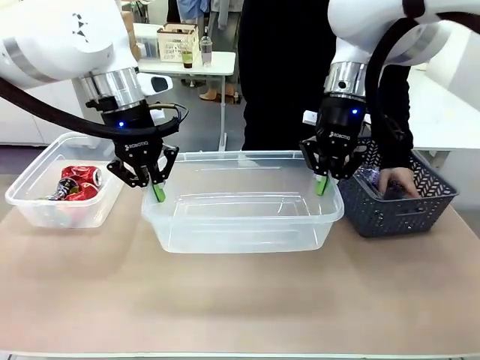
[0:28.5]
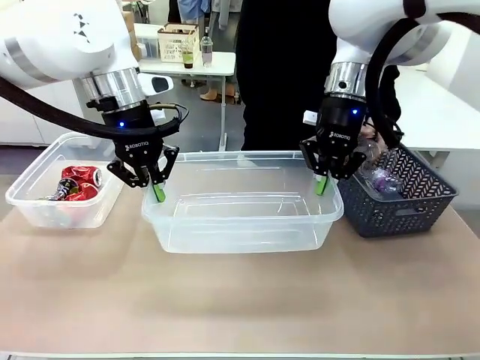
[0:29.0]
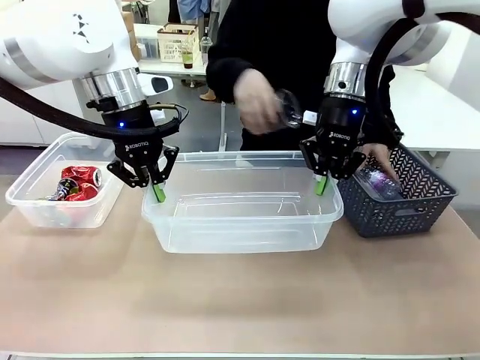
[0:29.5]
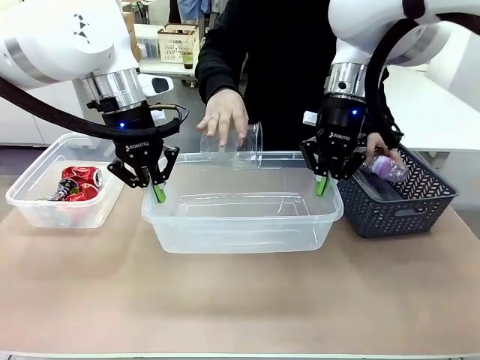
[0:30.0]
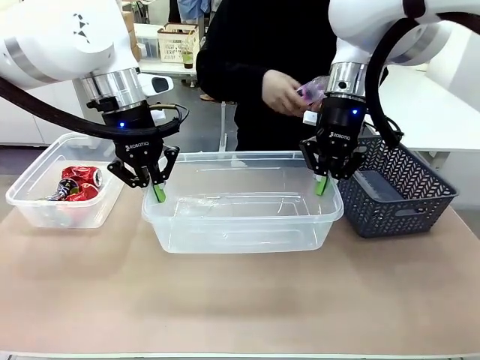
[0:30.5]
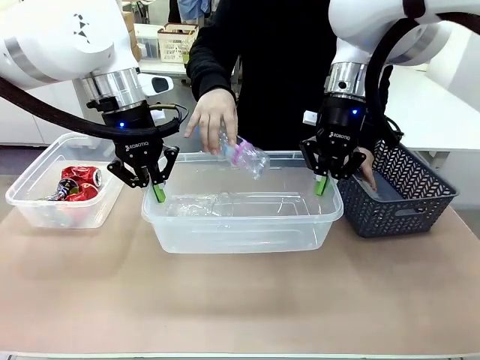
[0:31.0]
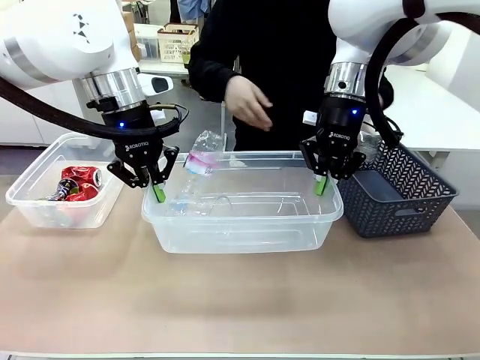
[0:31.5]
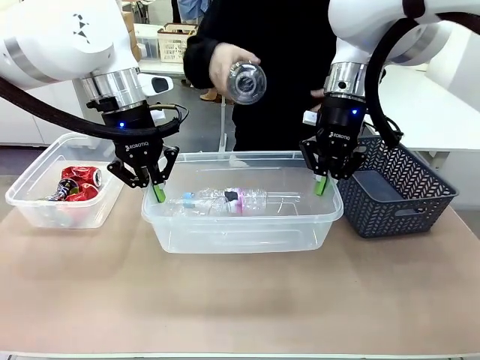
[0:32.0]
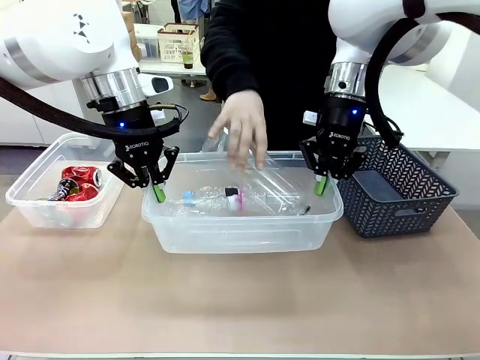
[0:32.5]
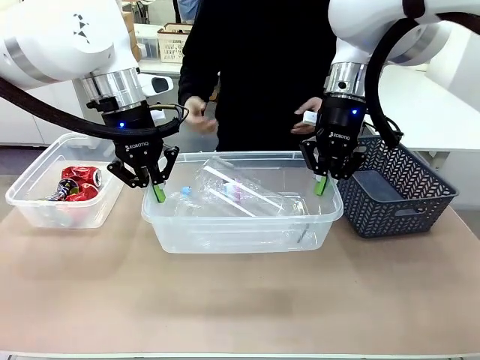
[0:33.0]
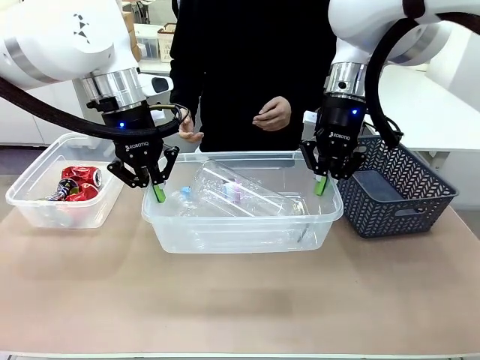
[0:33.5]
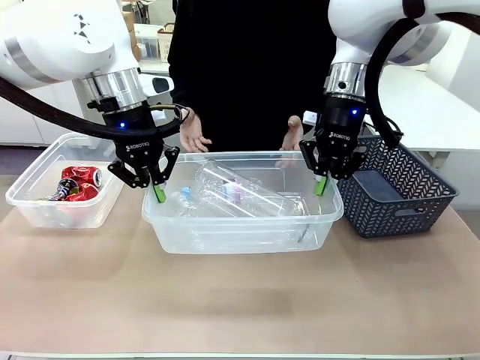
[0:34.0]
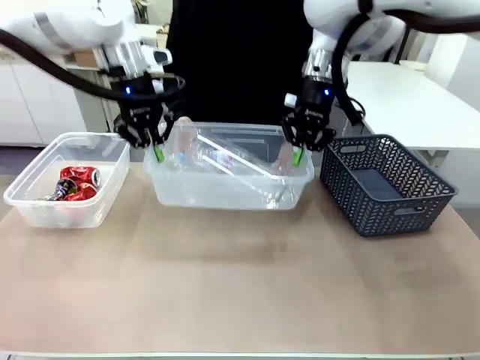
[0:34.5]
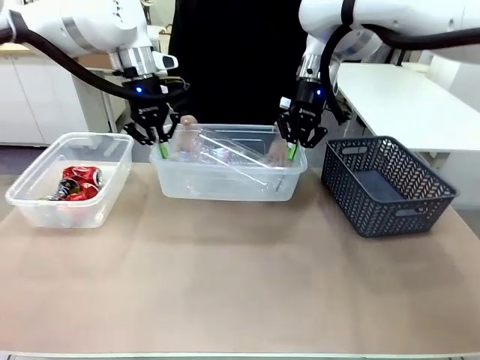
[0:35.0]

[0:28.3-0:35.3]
Robot: Offer the picked Organizing box to the human.
Person: Pick up plastic waste one by one and place it into the organizing box lifted by the robot.

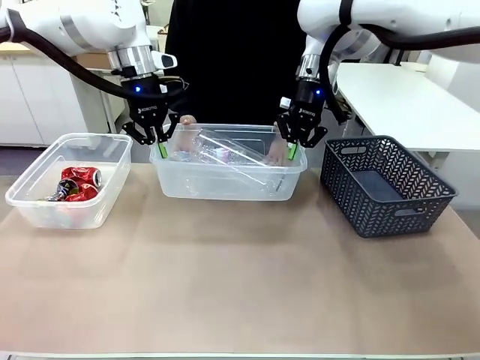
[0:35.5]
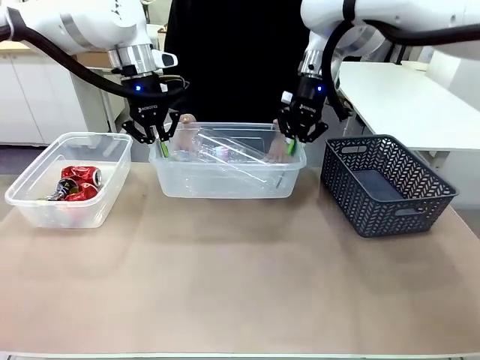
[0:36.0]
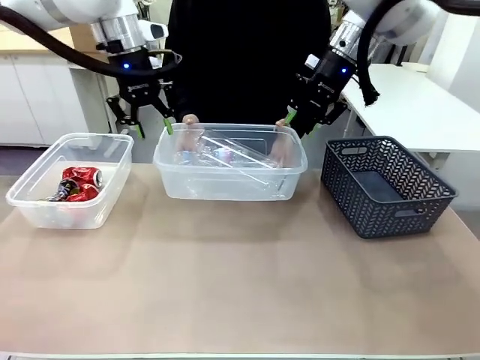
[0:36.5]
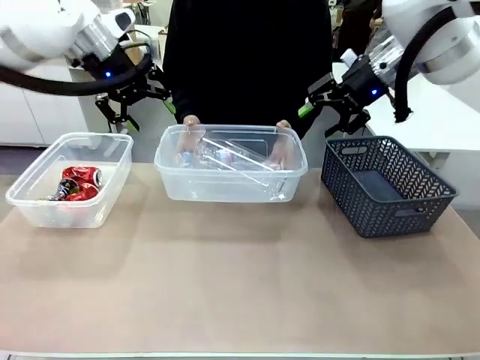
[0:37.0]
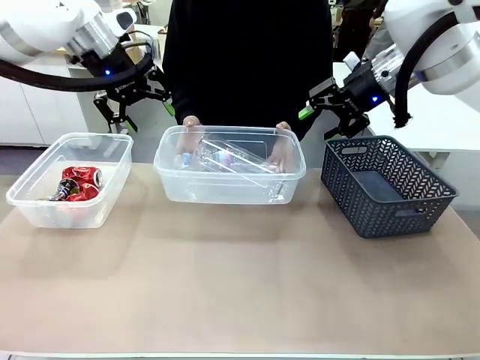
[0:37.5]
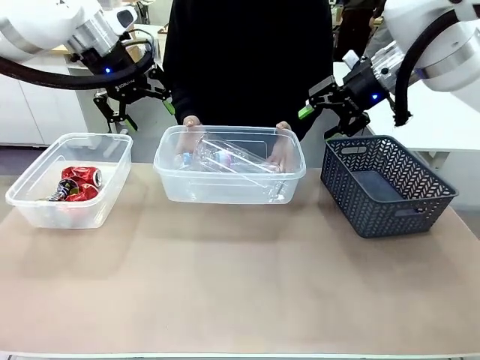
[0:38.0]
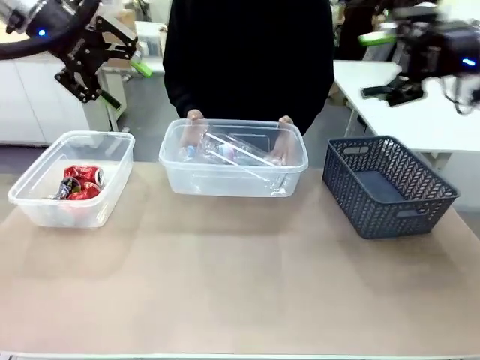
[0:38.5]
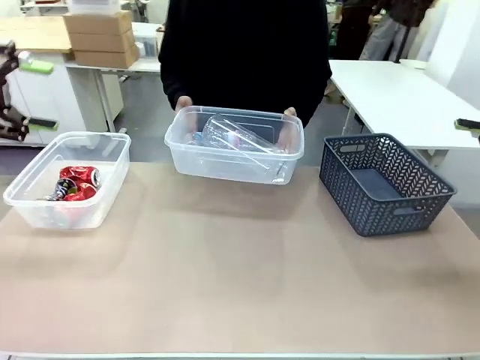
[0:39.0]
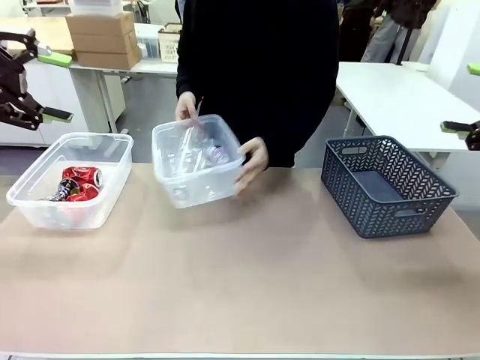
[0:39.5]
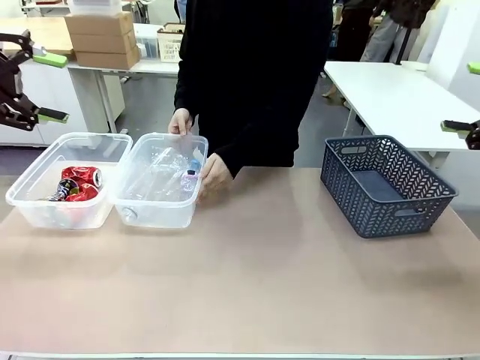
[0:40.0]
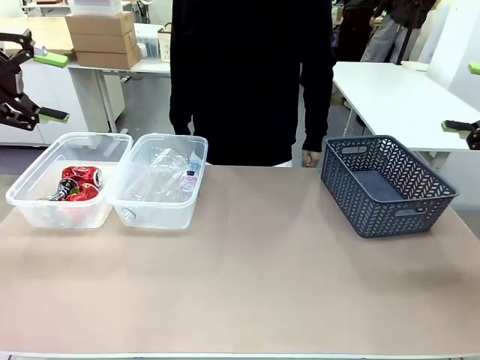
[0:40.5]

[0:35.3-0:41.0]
Robot: Release the Organizing box you were holding.
Person: Pick up the organizing box extended by the robot. Place the organizing box to the left of the sorting box containing the can waste.

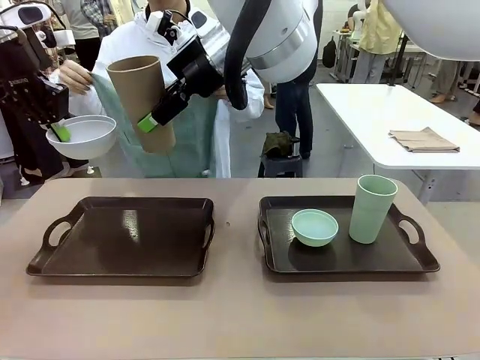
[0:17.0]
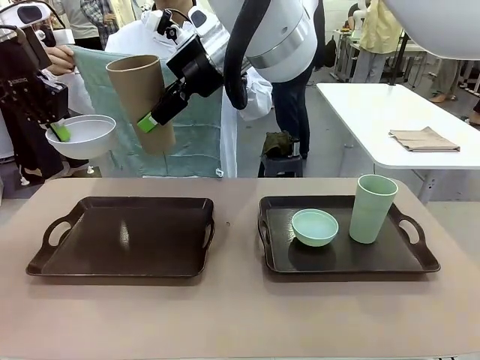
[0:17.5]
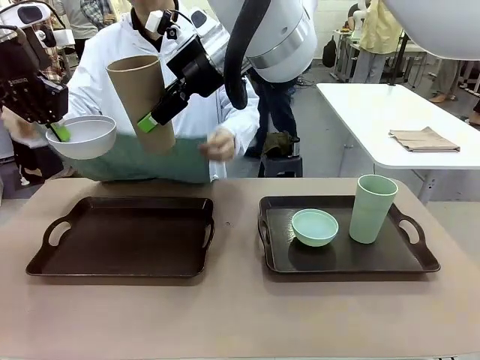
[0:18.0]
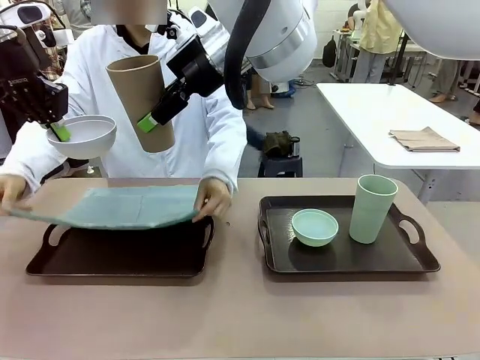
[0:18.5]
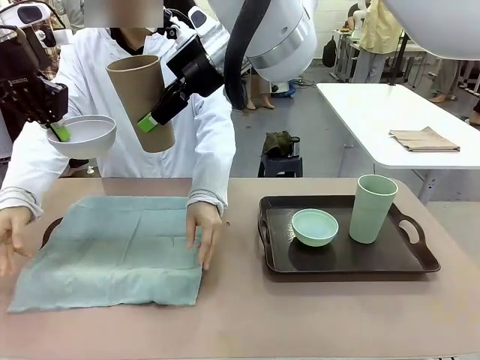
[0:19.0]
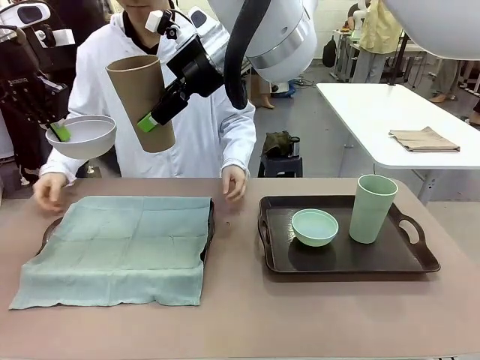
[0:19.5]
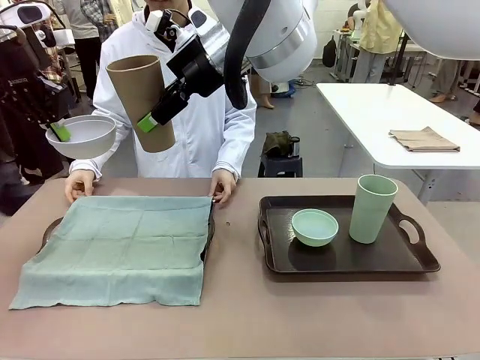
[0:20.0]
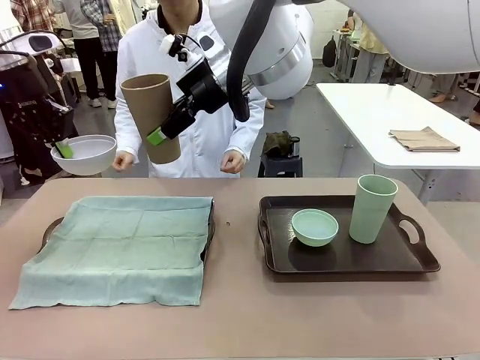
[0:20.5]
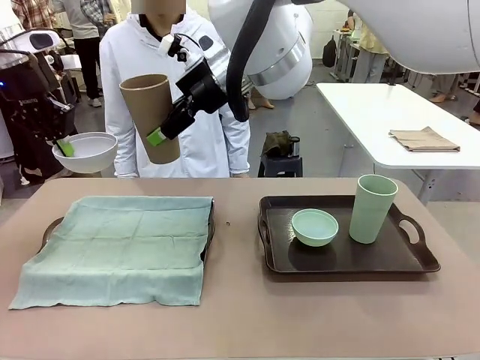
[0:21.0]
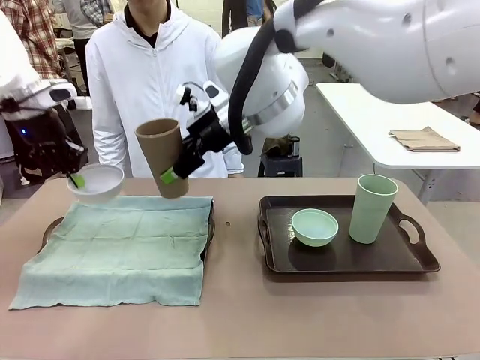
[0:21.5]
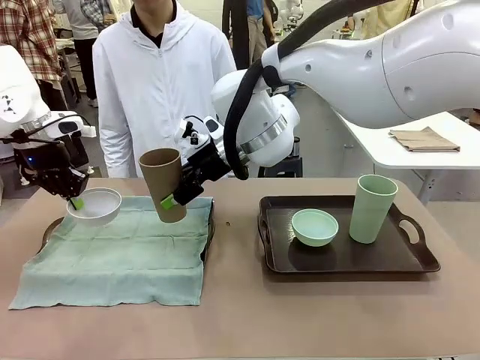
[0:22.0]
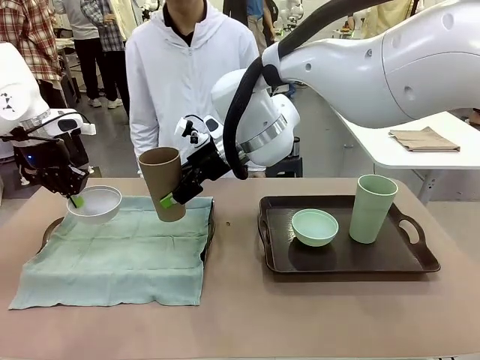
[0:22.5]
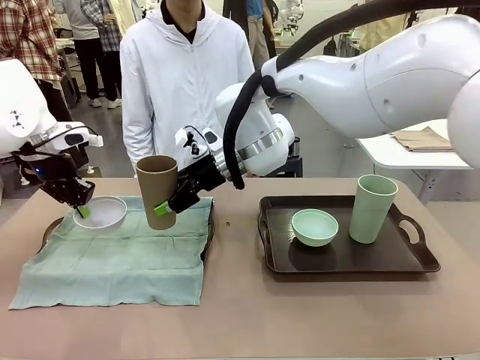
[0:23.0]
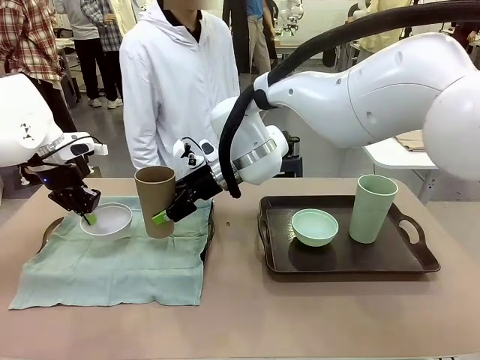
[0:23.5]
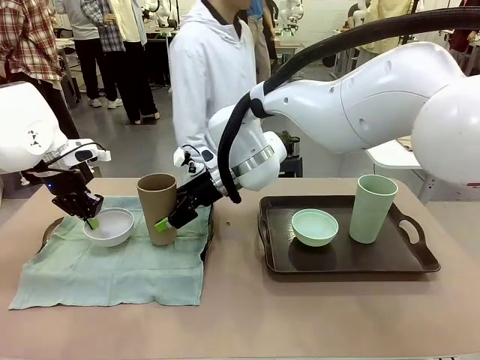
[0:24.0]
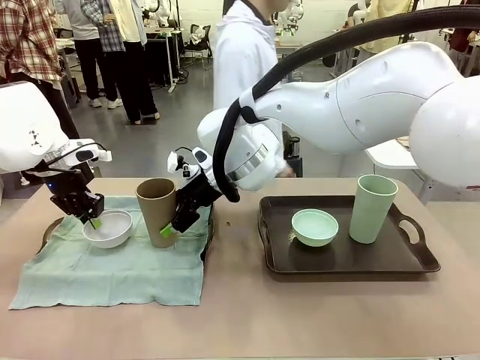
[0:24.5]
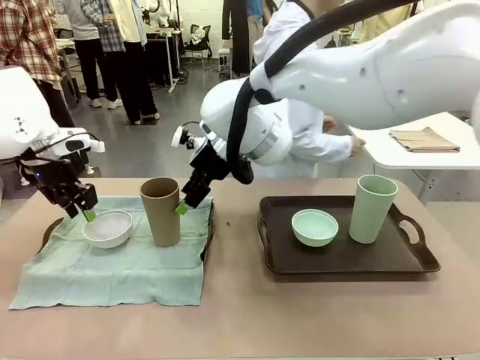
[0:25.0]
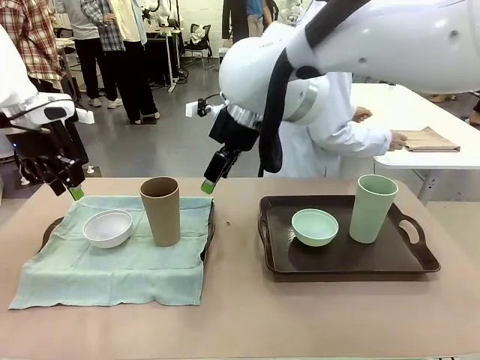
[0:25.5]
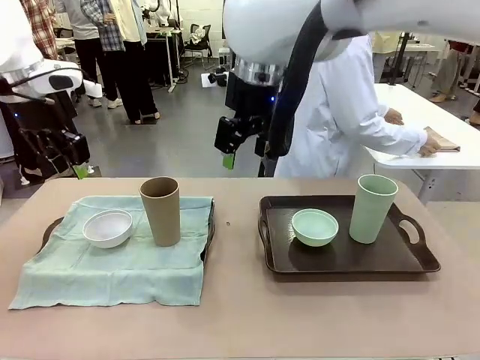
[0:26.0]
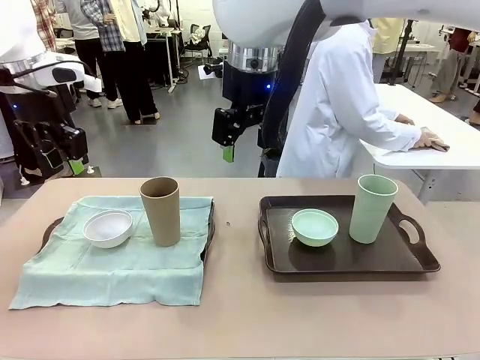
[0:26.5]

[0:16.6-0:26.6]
Robot: Place the Picnic Bowl and Reusable plastic cup back onto the Handle tray in front of the human's position.
Person: The human returns to the human table to pick up another napkin and walks to the robot table to stand in front of the tray without a napkin.

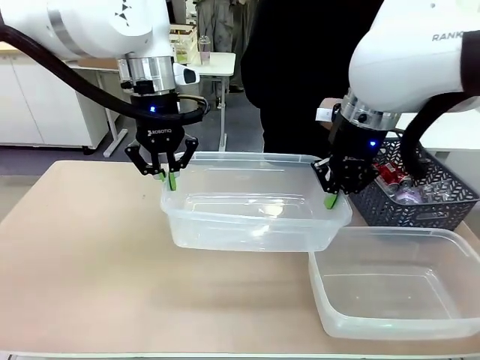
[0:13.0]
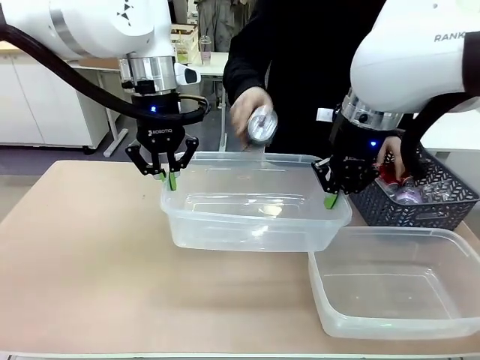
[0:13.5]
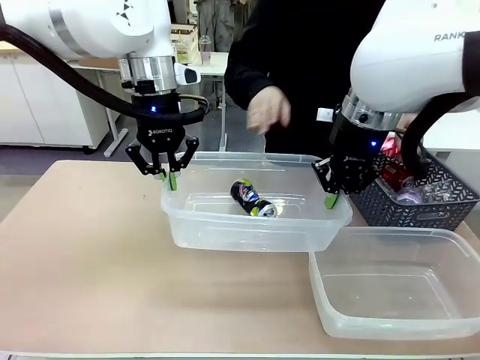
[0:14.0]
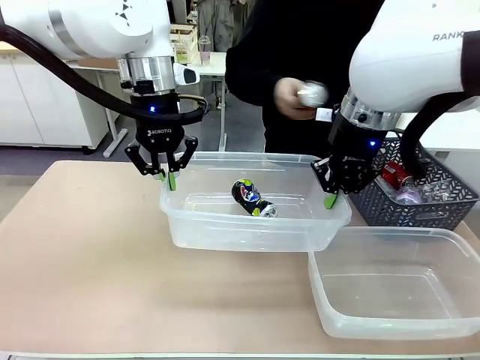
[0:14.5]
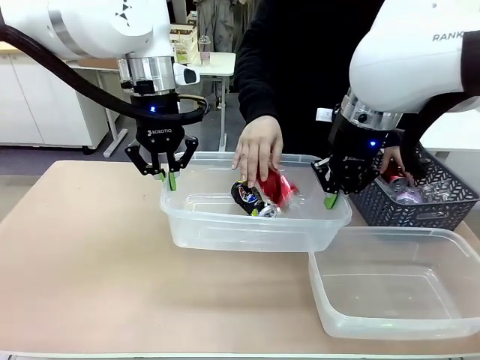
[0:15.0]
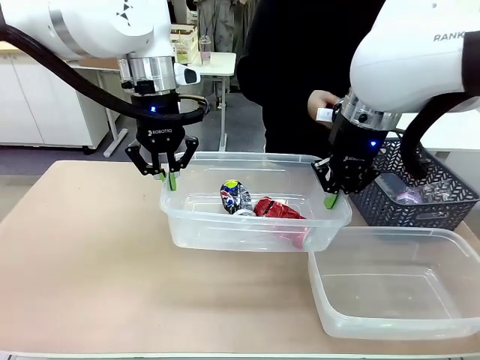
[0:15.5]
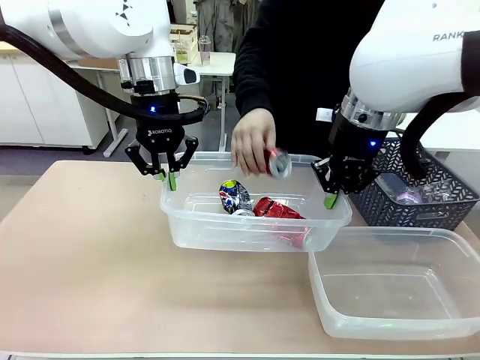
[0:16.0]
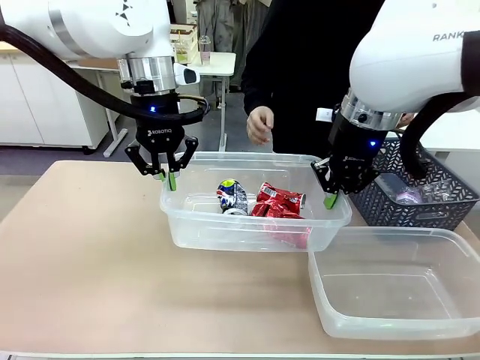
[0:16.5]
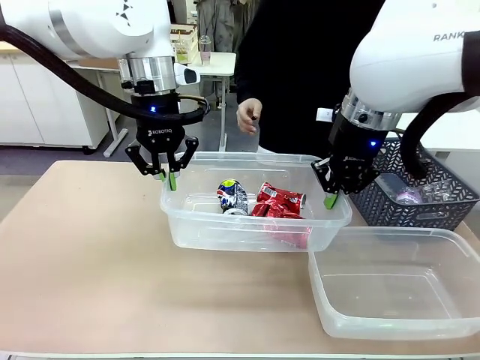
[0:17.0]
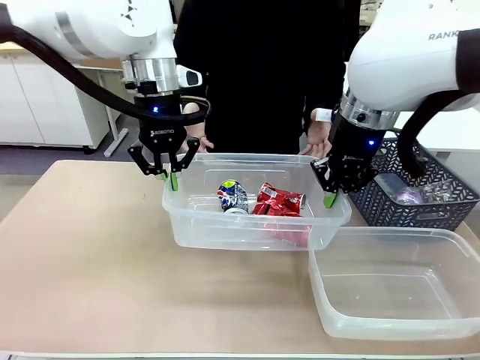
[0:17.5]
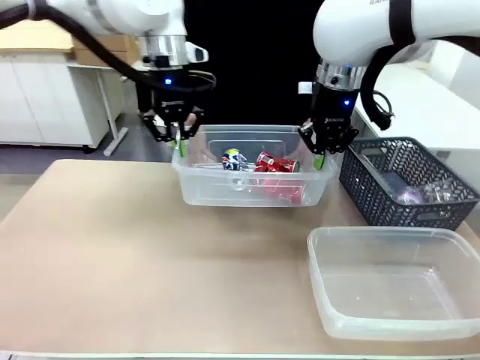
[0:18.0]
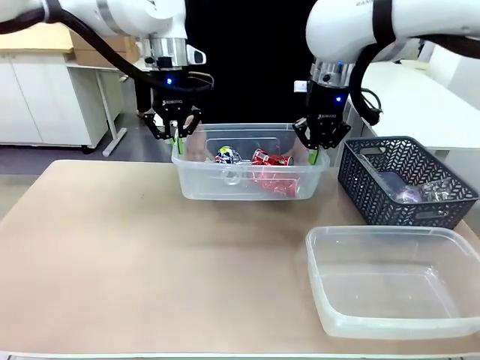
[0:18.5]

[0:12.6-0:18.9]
Robot: Offer the picked Organizing box to the human.
